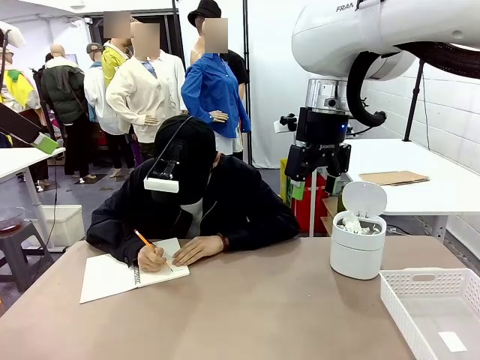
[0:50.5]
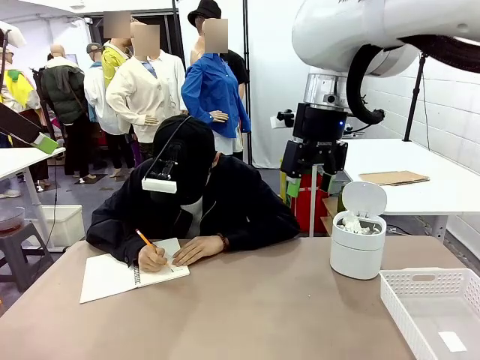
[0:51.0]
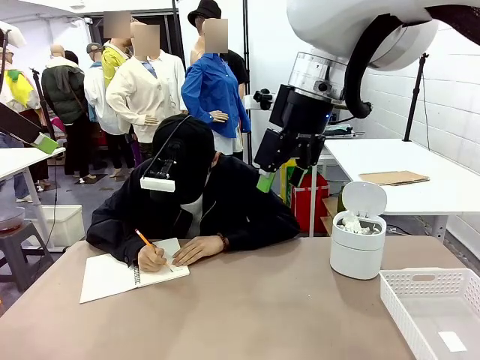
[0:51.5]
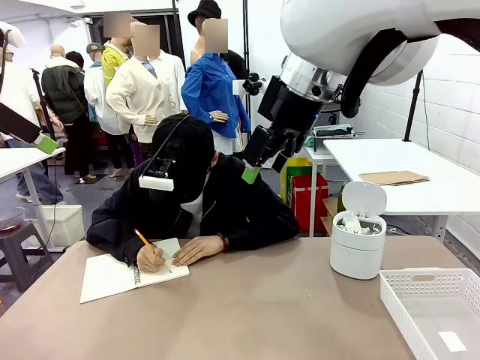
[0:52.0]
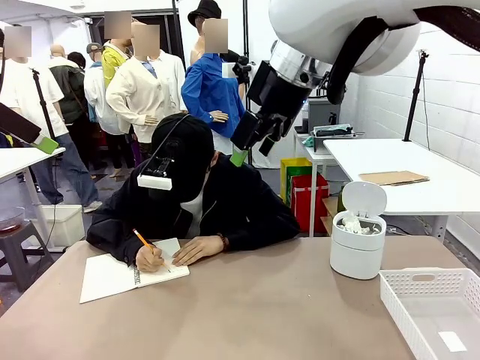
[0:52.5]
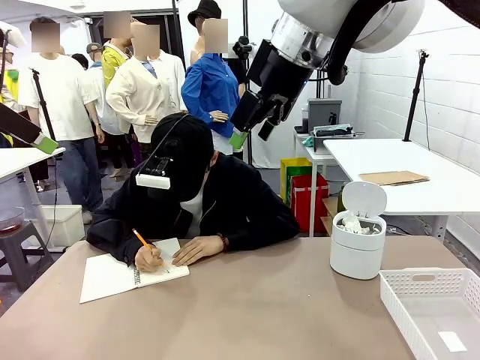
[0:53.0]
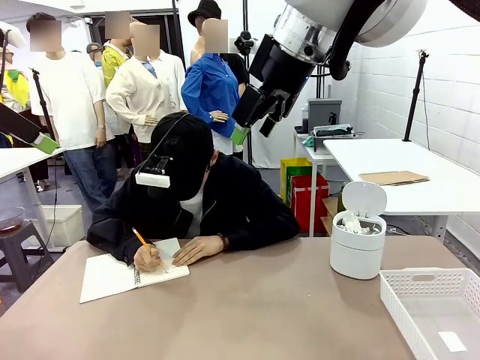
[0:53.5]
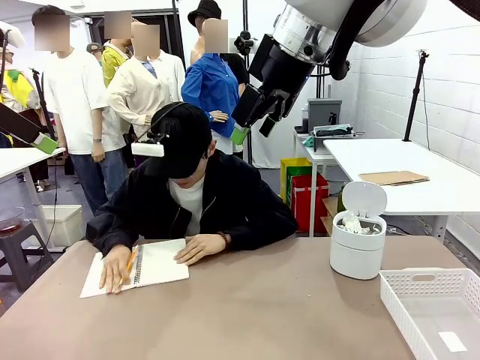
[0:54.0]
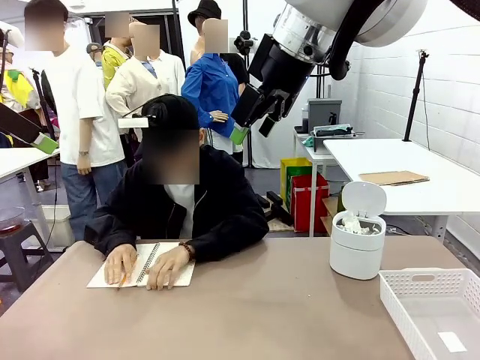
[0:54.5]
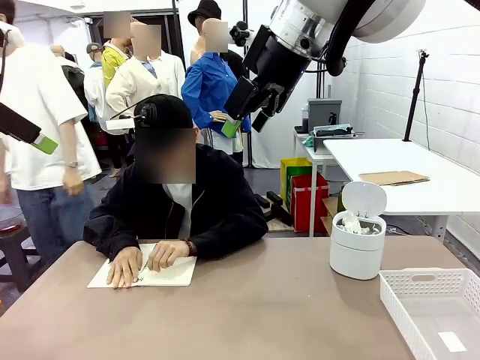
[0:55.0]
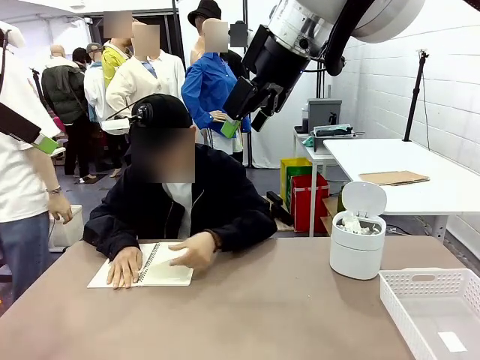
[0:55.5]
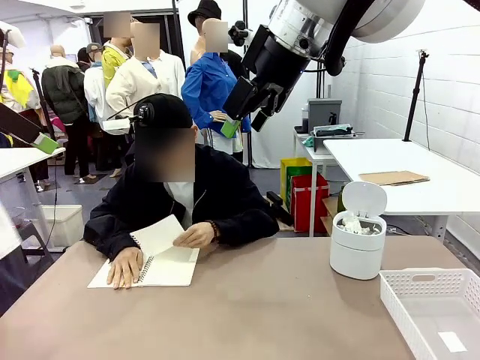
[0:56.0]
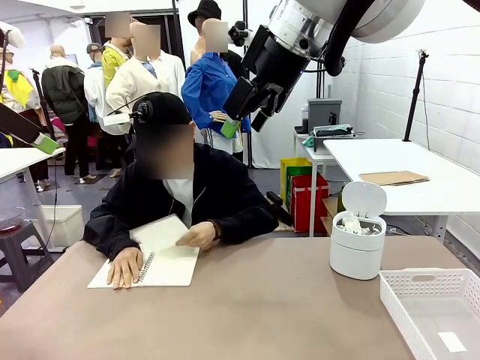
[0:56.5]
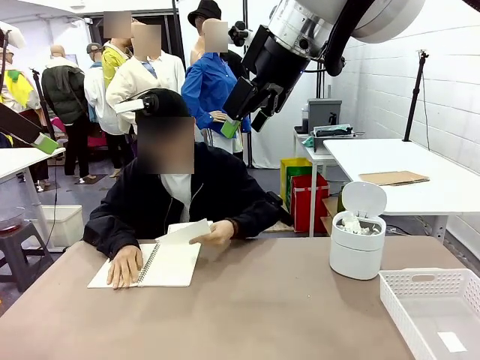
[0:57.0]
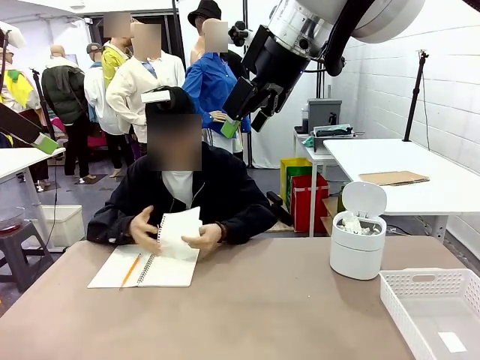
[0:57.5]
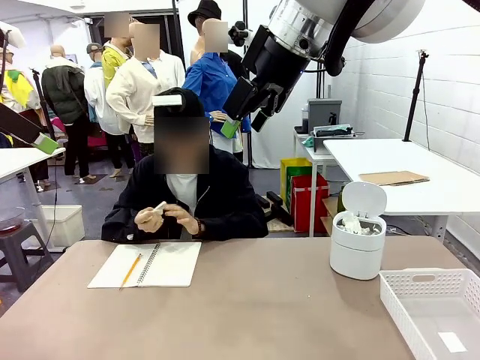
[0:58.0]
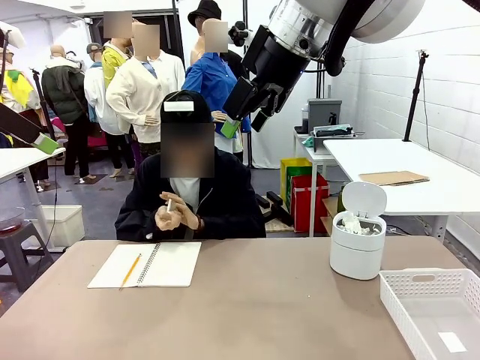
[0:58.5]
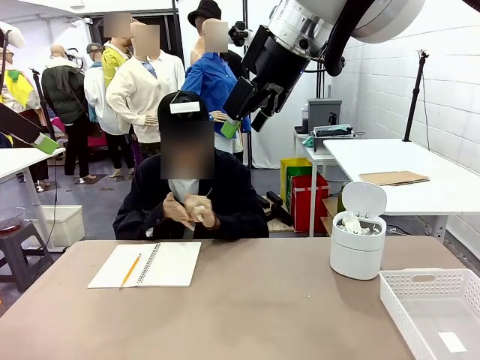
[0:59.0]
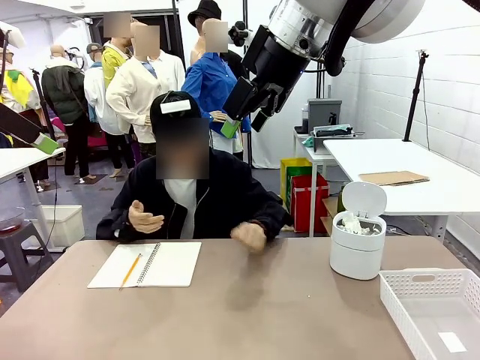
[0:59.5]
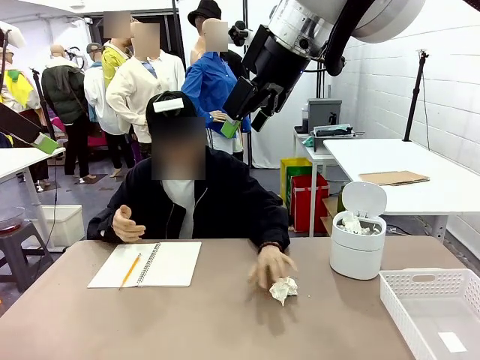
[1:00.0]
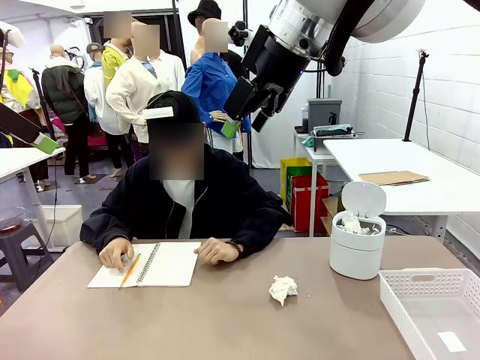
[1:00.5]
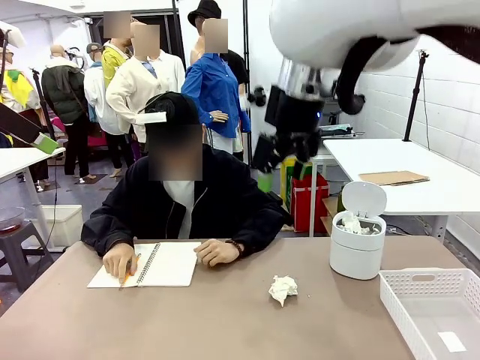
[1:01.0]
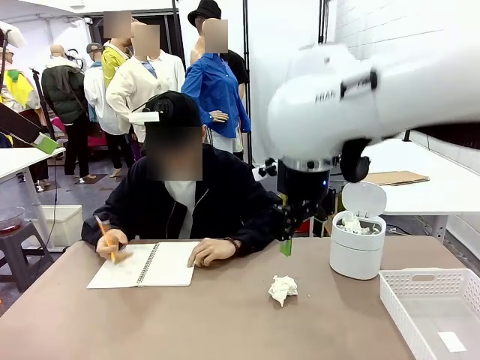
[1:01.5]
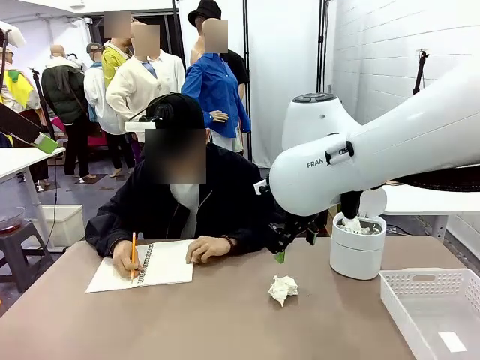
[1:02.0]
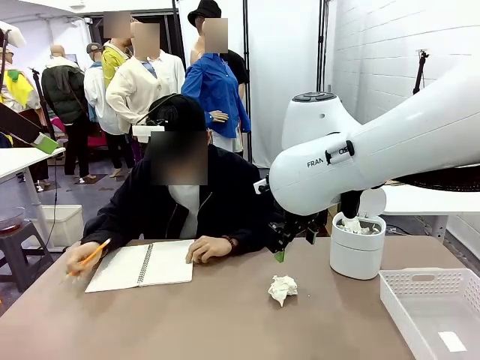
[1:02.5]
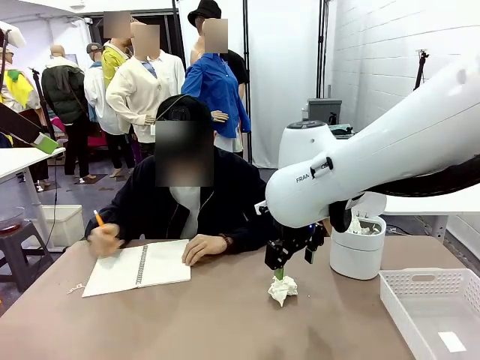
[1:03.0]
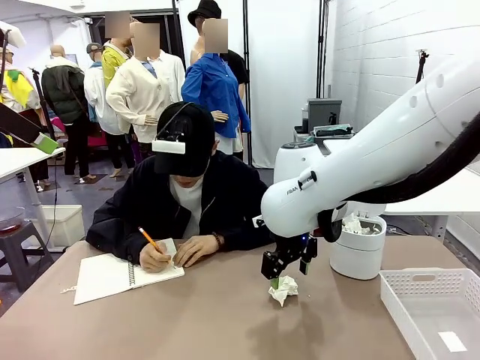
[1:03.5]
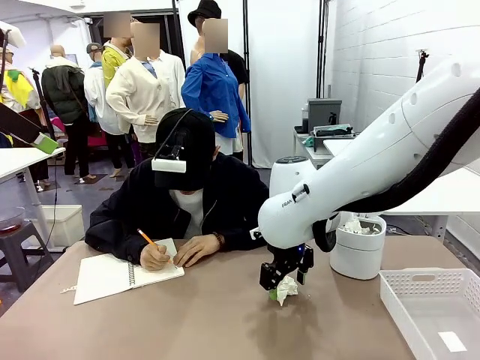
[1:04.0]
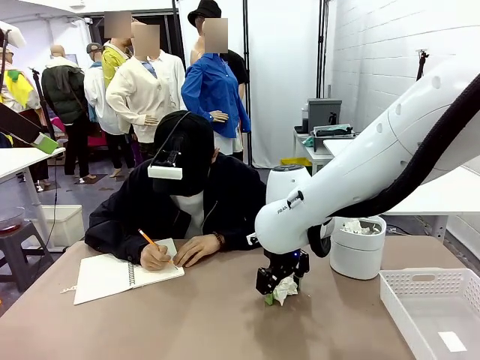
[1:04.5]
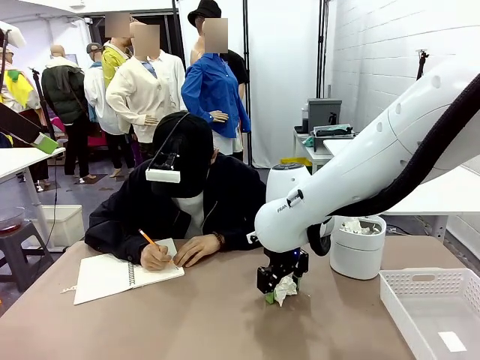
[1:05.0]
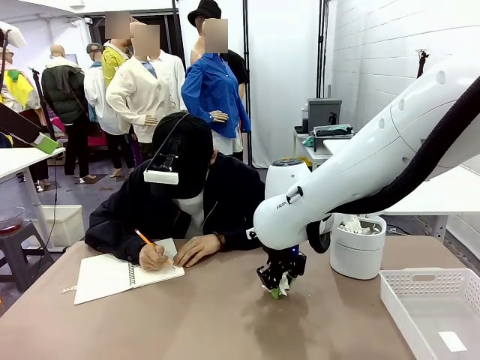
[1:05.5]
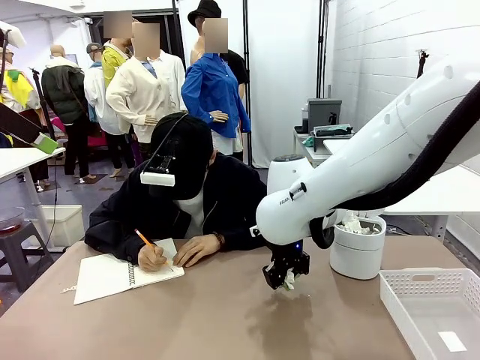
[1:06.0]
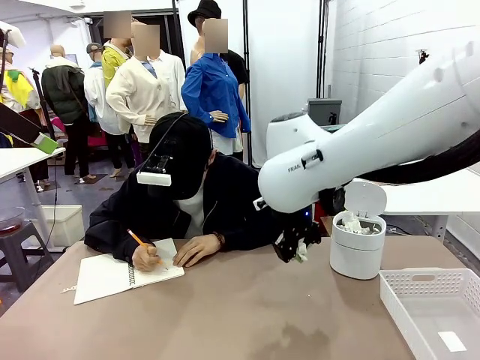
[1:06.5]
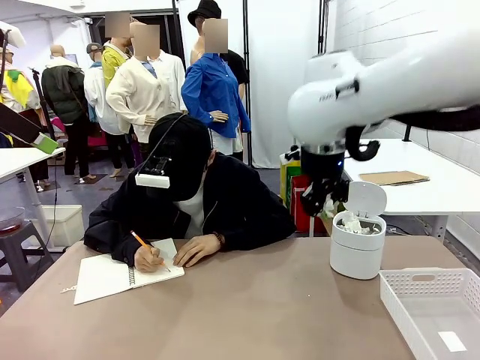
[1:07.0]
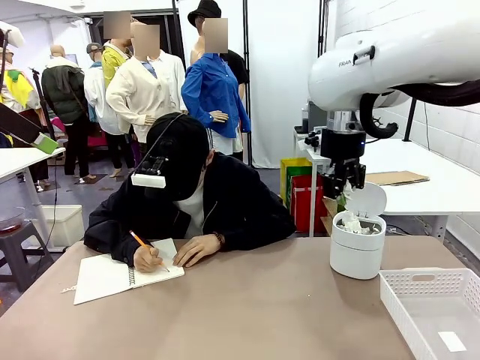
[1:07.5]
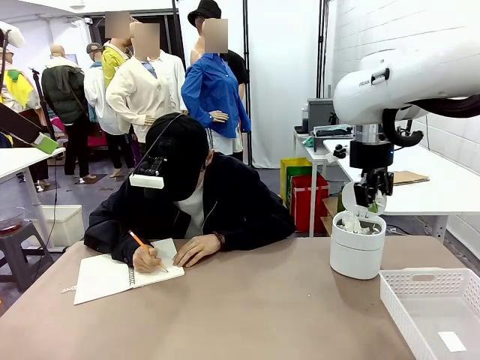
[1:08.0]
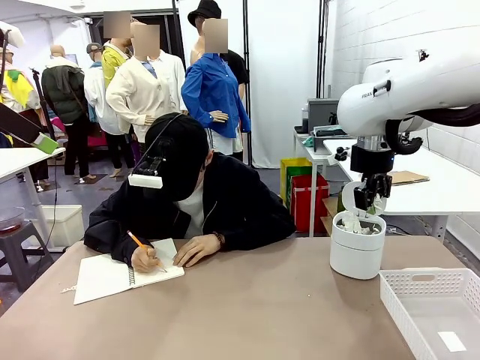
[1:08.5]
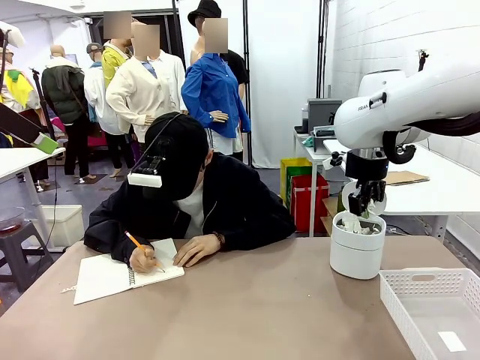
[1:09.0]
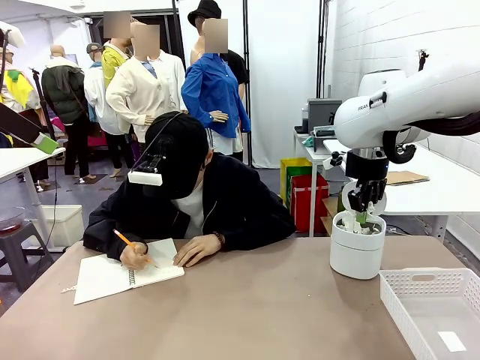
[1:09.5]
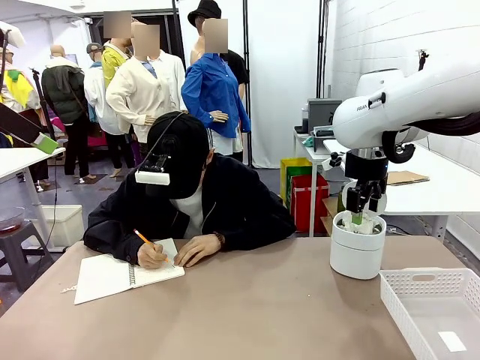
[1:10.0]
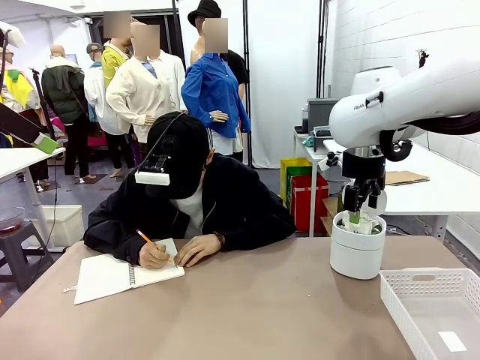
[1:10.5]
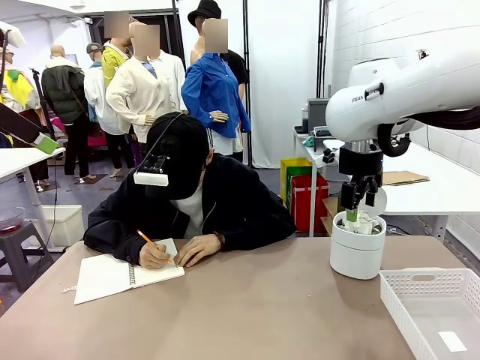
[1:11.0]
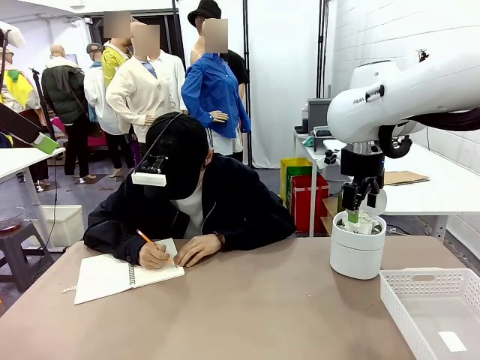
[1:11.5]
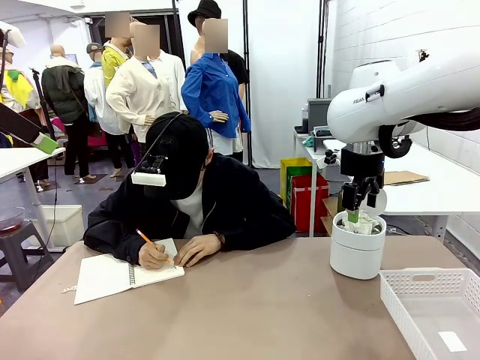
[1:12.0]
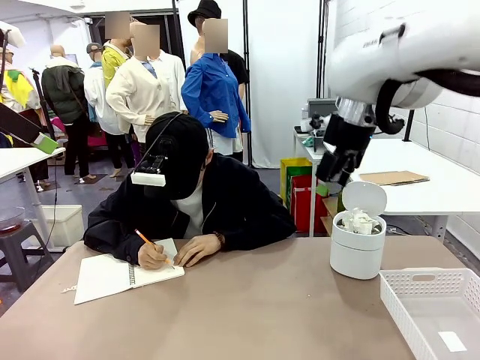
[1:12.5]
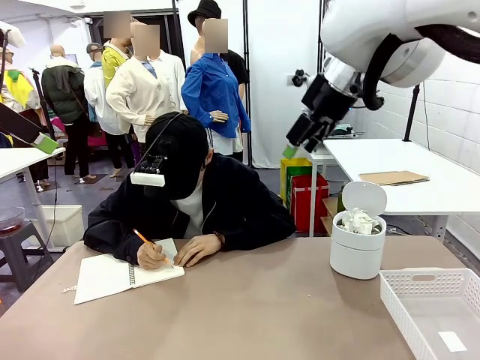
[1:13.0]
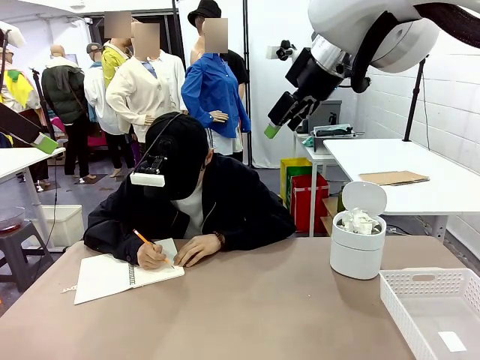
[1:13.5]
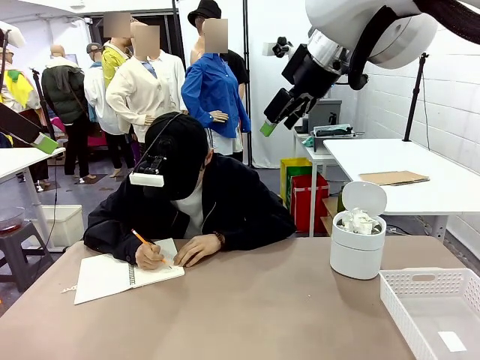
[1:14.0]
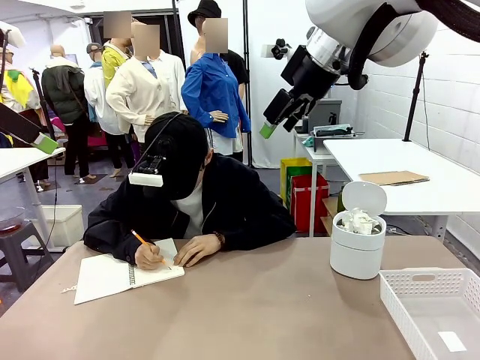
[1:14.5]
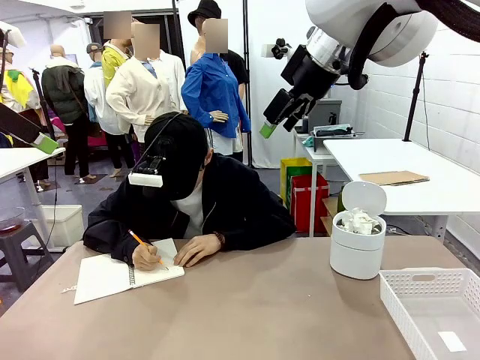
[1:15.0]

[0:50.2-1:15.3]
Task: Sort the paper based on its condition.
Robot: If a person hands you a paper, place it in the Organizing basket , and if it's crumpled, put it in the Trash can.
Person: Tear out a page from the spiral notebook. Hand the torn page to the robot or crumple it and throw it to the center of the table.
